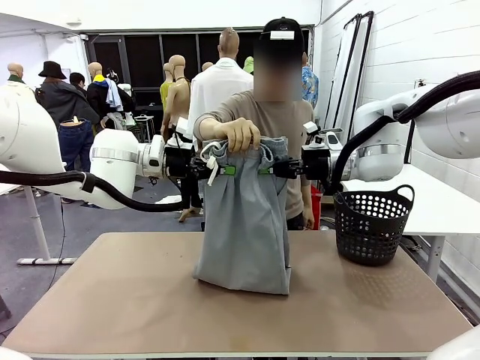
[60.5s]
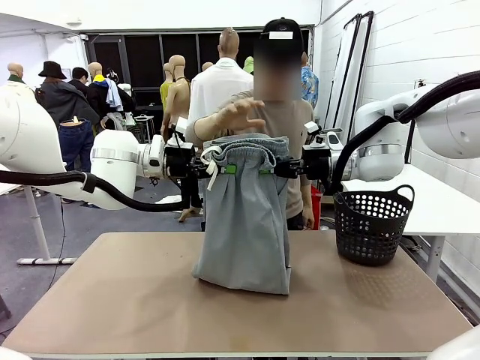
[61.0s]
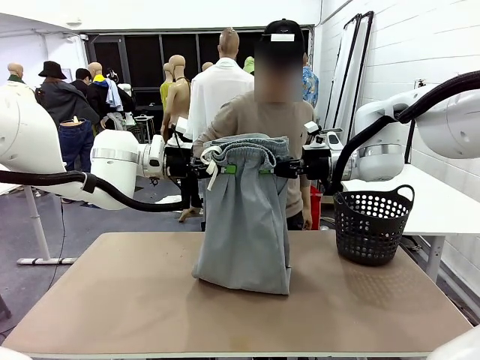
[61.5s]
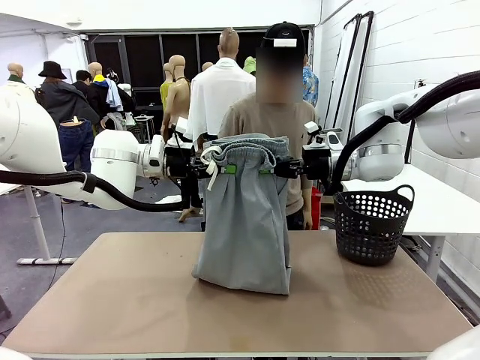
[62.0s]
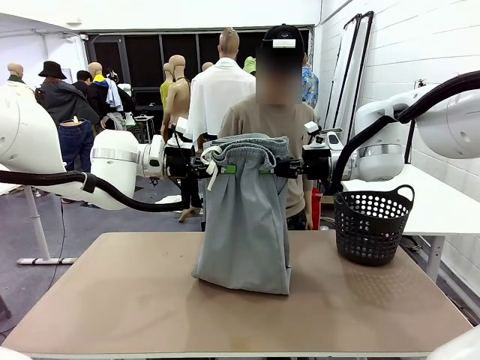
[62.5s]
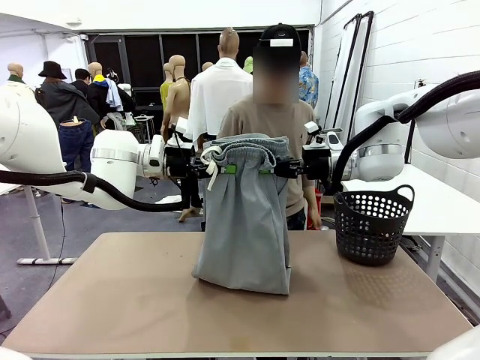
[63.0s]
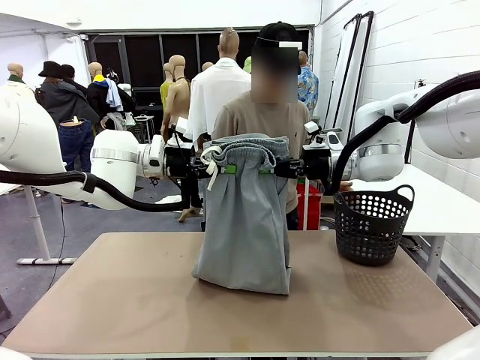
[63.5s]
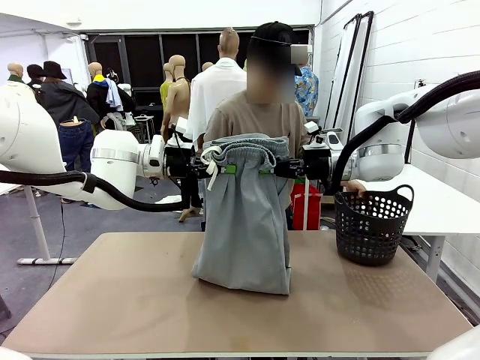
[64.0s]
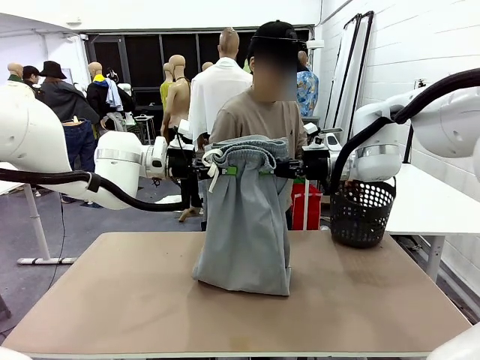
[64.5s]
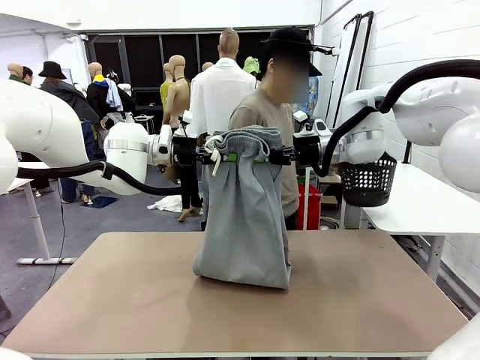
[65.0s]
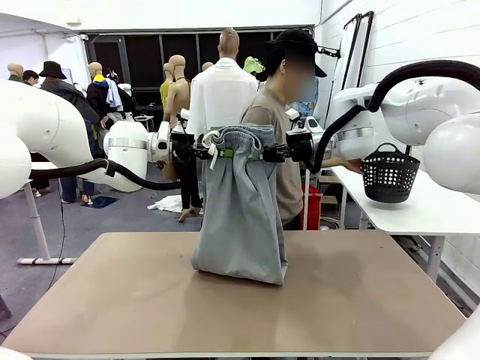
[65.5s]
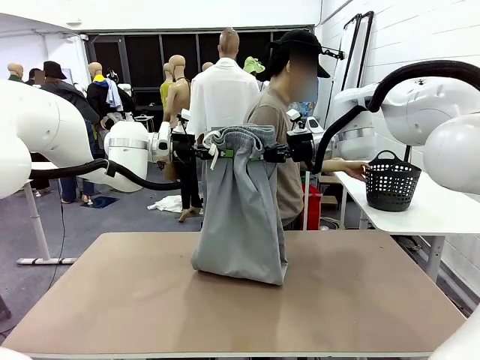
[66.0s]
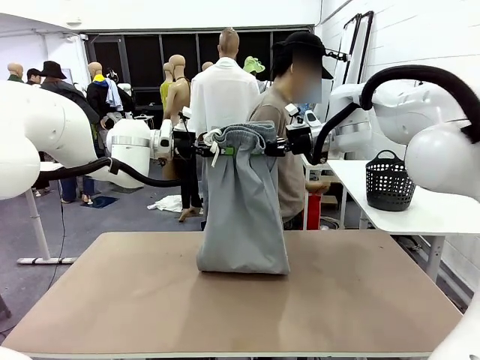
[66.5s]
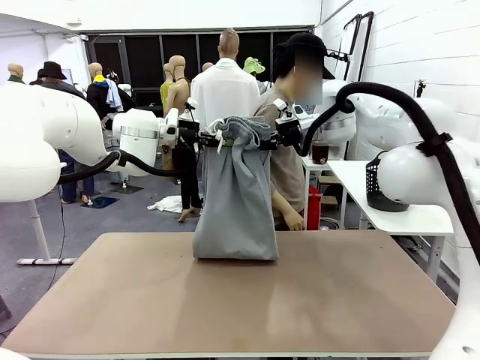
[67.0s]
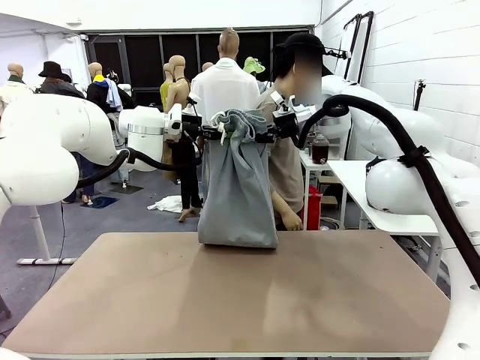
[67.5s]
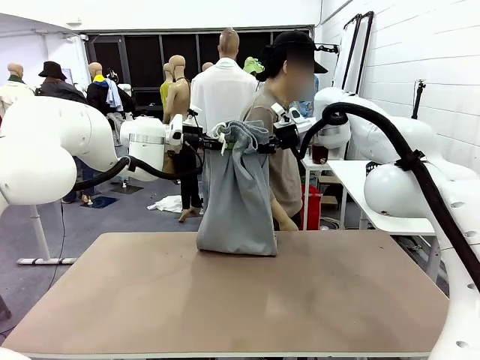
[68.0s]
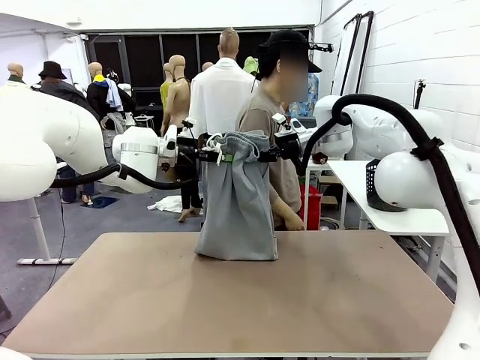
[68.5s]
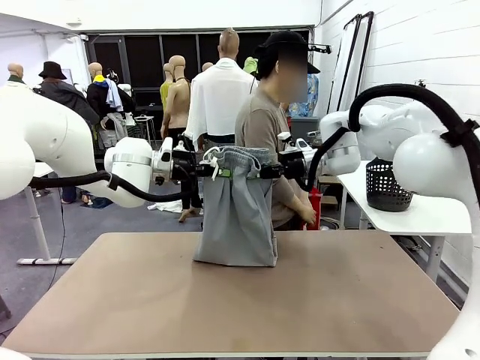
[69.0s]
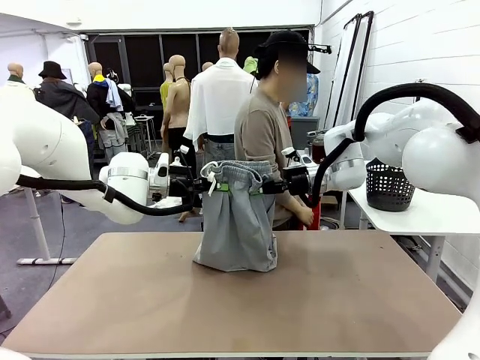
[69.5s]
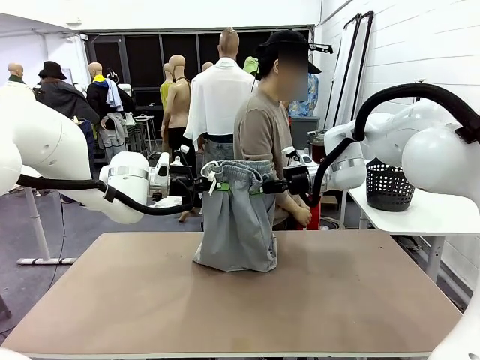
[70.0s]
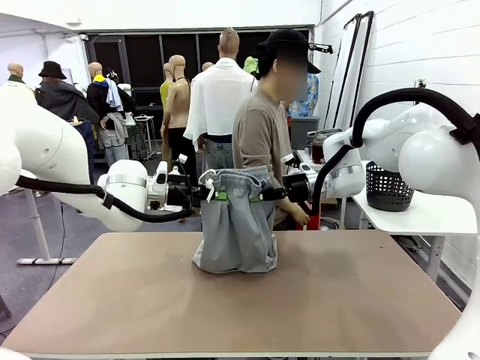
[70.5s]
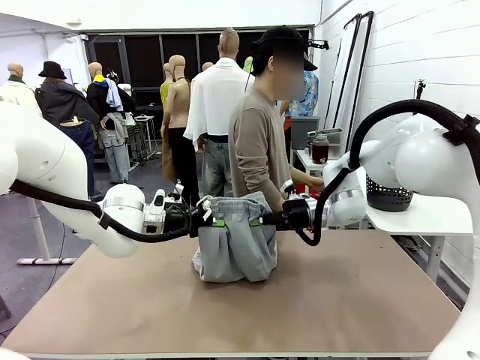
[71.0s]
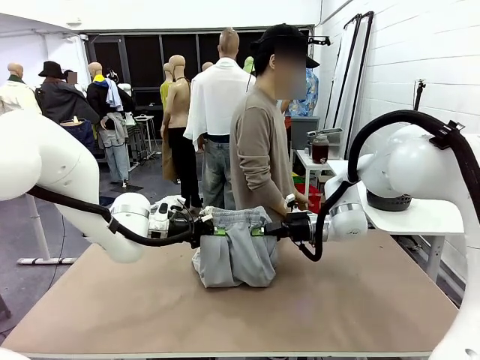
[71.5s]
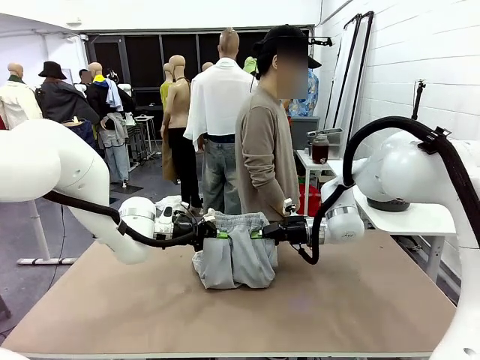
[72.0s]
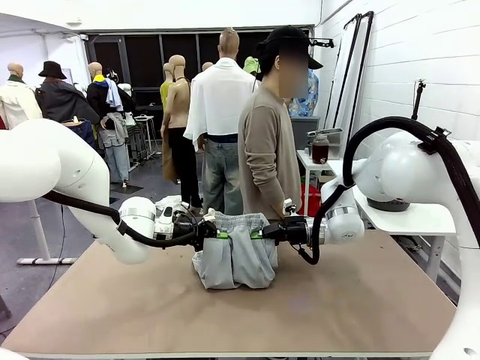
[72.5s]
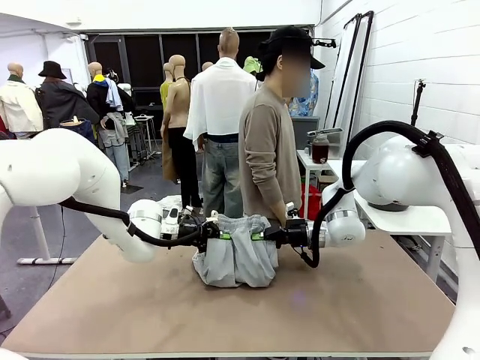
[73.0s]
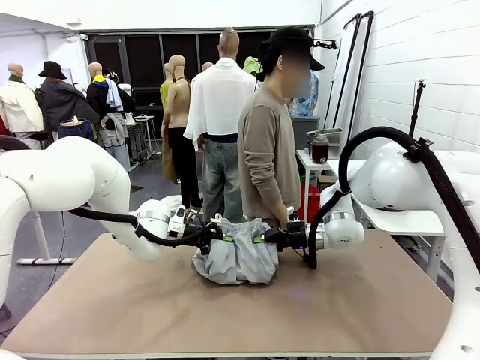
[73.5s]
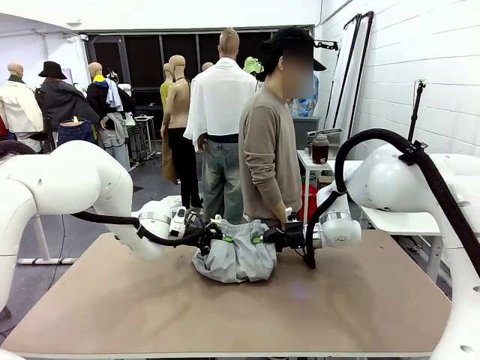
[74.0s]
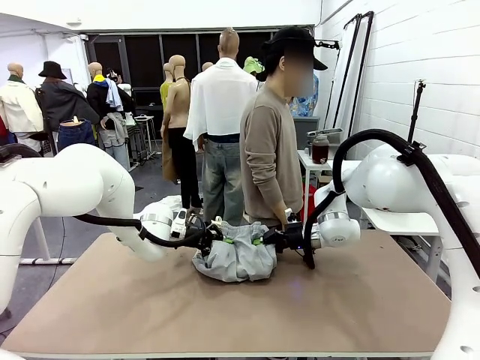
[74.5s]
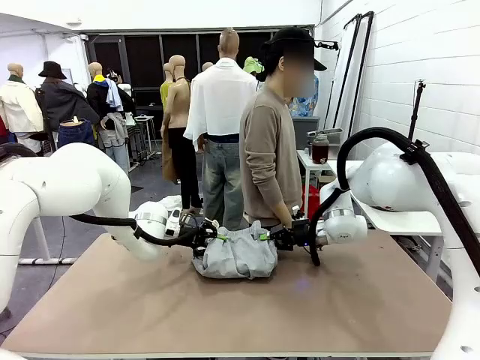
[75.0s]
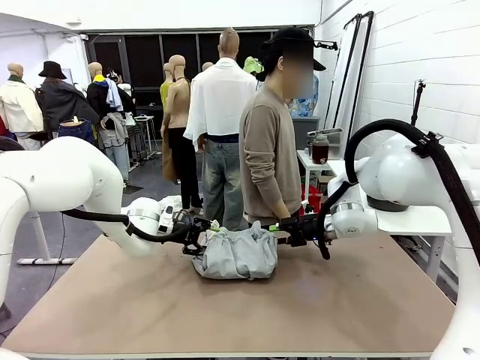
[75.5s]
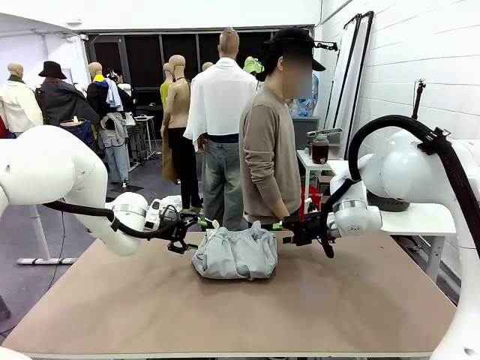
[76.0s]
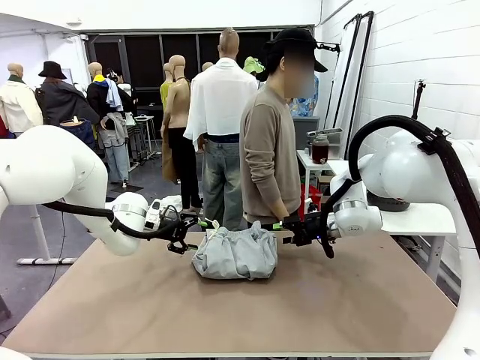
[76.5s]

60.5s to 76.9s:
Task: Fold the training pants.
Robot: Fold the Training pants in half.
Person: Move the laundry basket to the right of the human table.

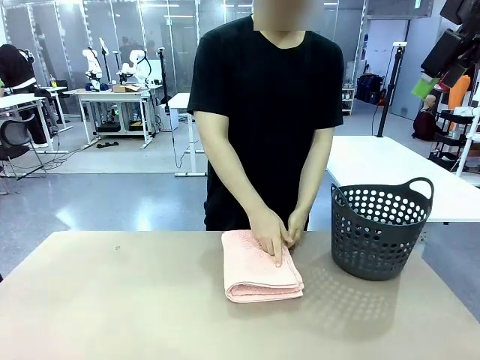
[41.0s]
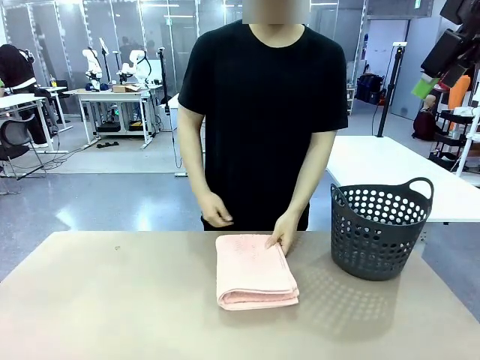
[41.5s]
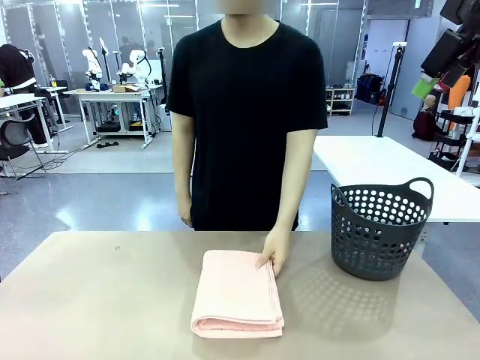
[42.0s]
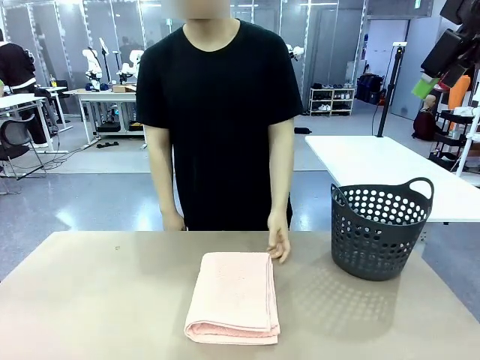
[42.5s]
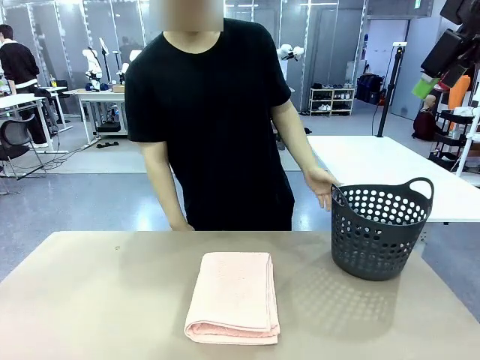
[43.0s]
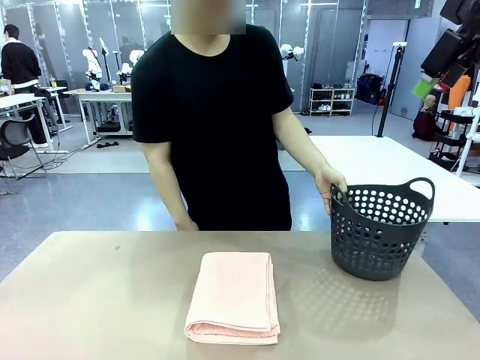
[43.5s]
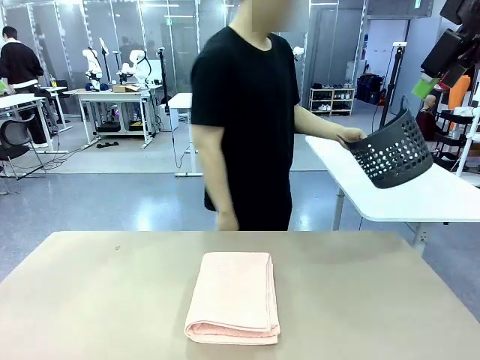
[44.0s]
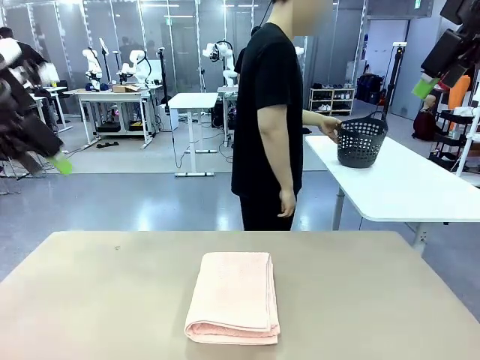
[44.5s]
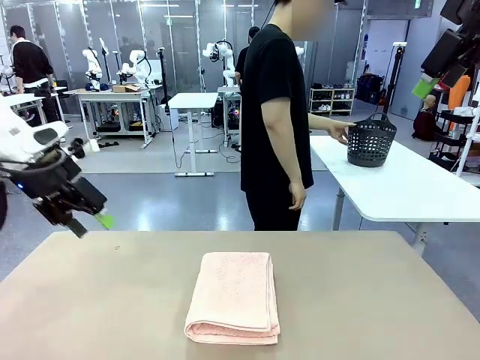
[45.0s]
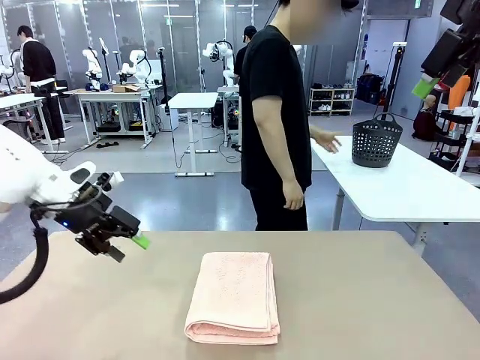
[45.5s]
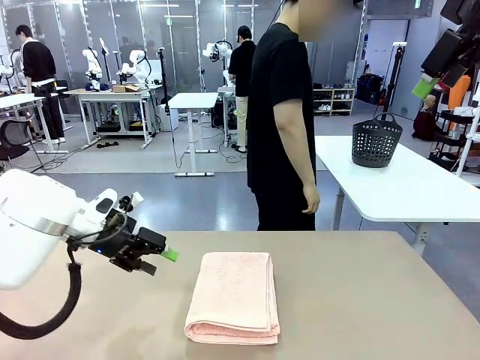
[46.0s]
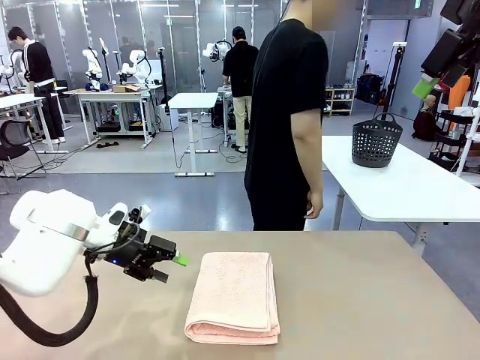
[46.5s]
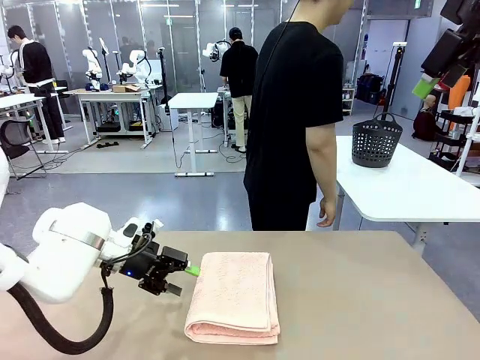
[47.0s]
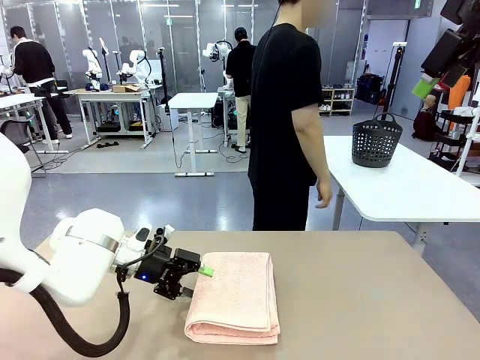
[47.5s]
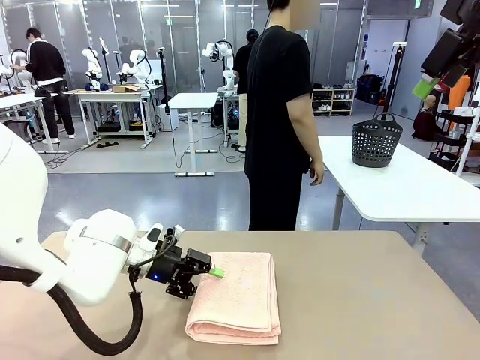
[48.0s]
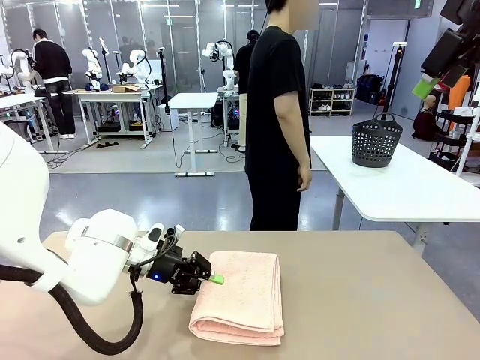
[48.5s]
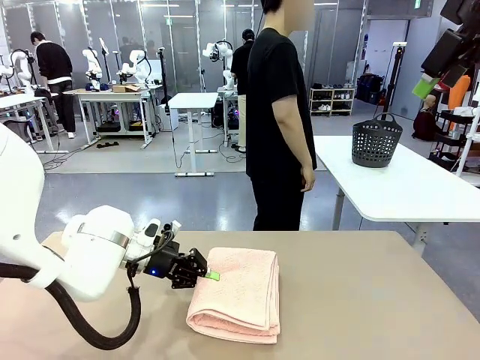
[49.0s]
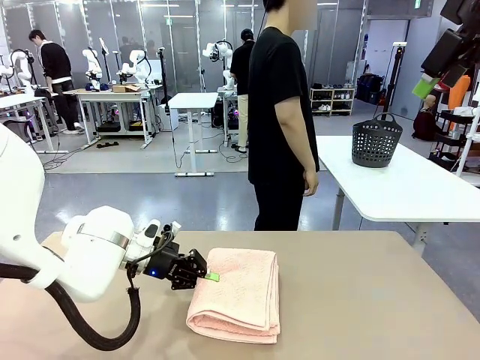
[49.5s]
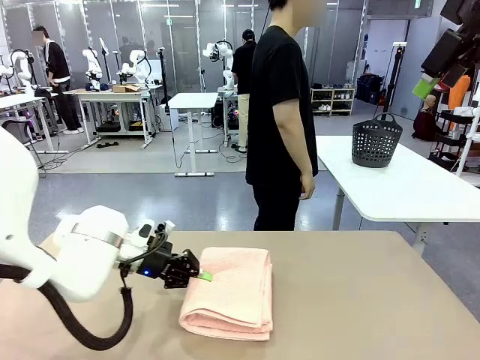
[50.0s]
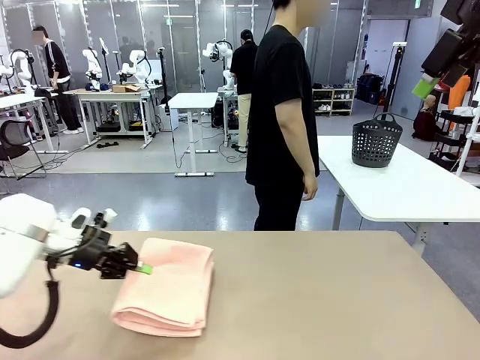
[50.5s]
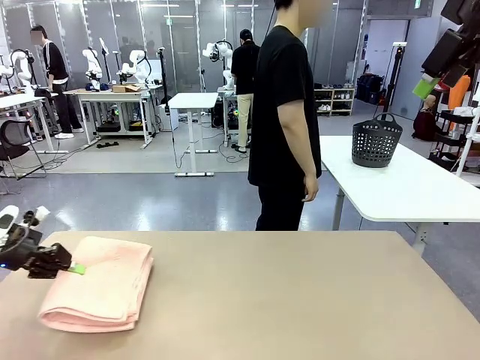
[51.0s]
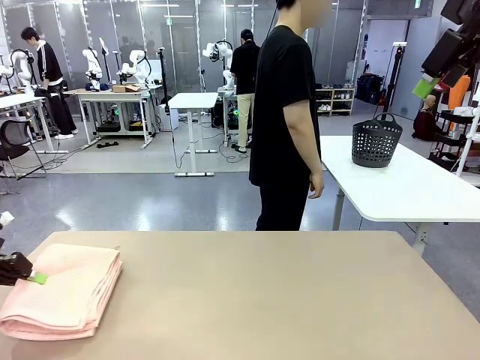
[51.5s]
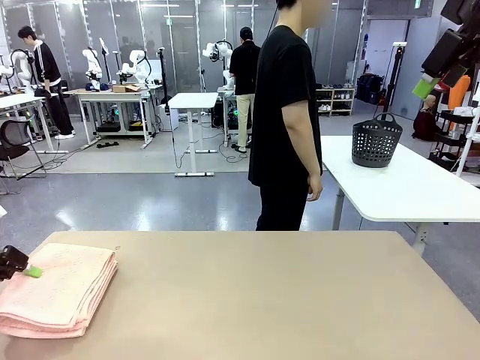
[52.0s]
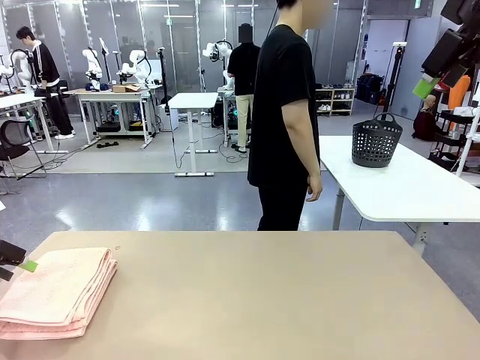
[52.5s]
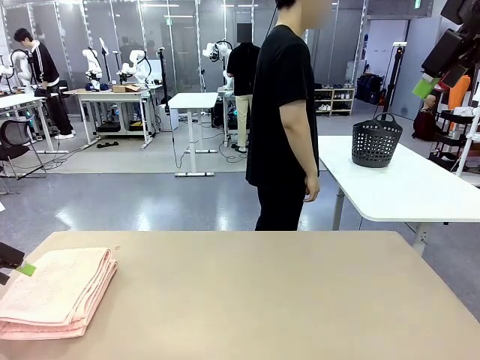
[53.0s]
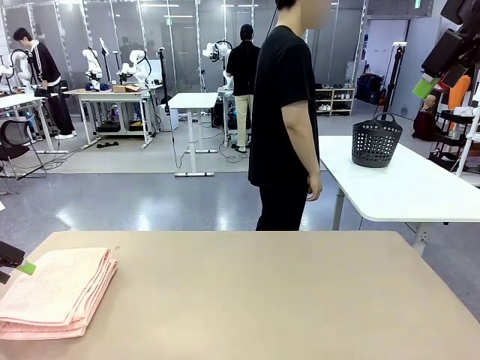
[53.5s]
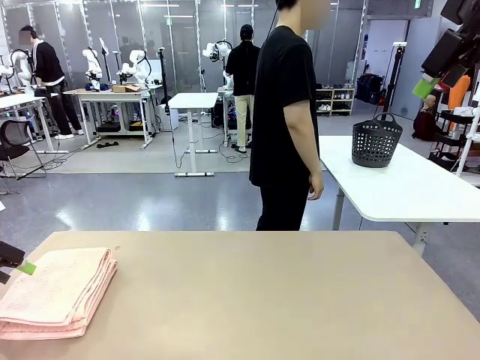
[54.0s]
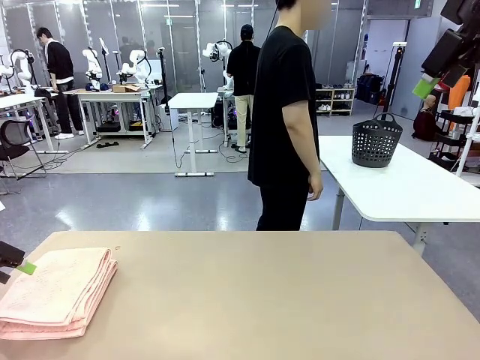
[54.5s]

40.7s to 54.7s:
Task: Fold the towel.
Robot: Pick up the 100 cm Hotel Towel and place it on the left side of the table.
Person: Pick up the laundry basket and place it at the center of the human table.
